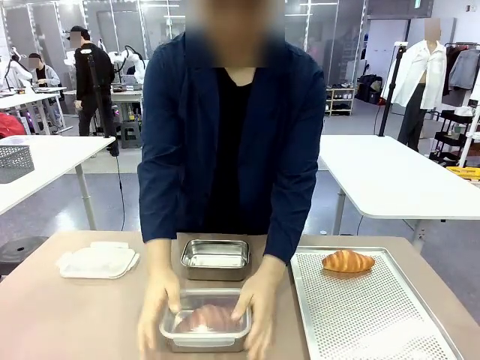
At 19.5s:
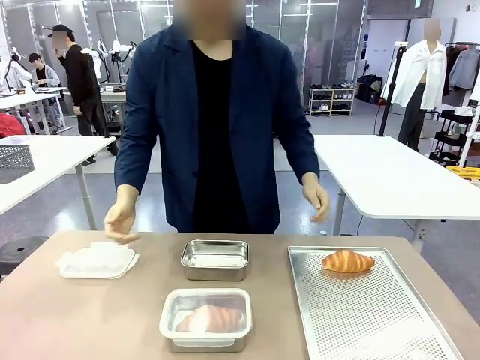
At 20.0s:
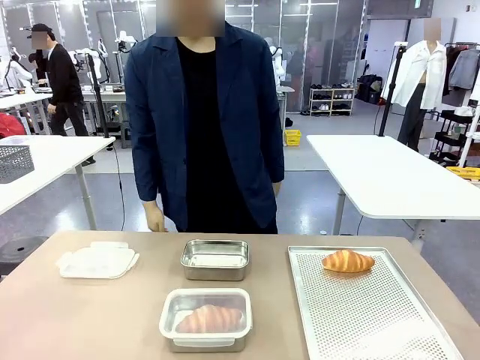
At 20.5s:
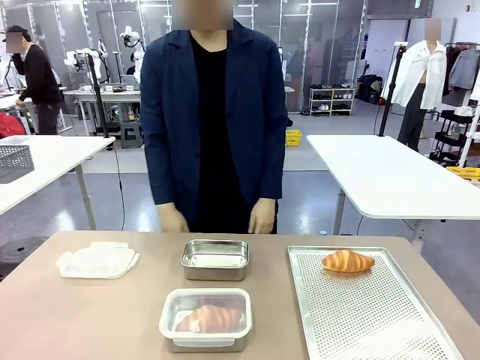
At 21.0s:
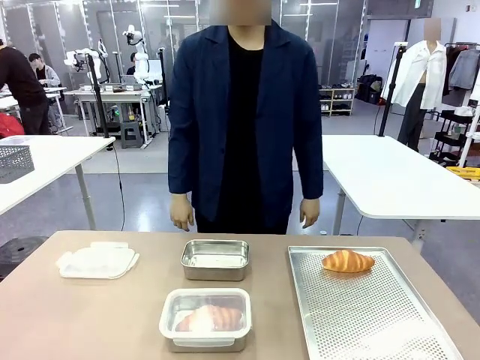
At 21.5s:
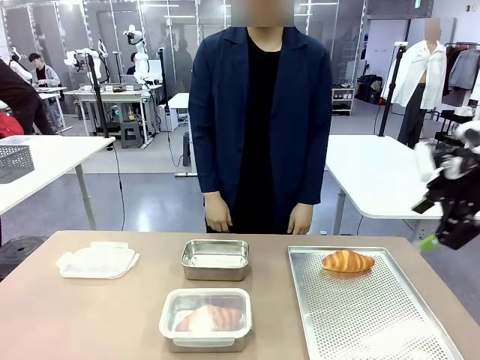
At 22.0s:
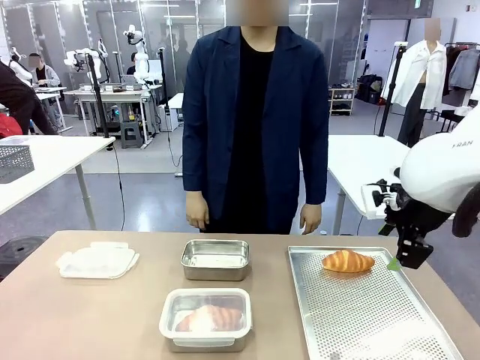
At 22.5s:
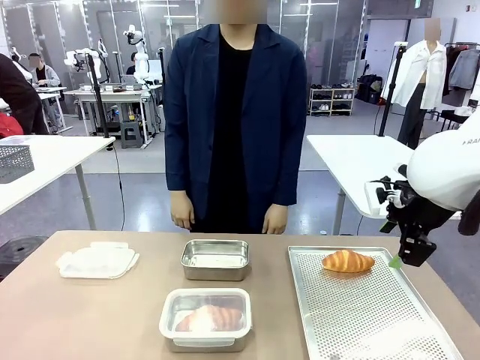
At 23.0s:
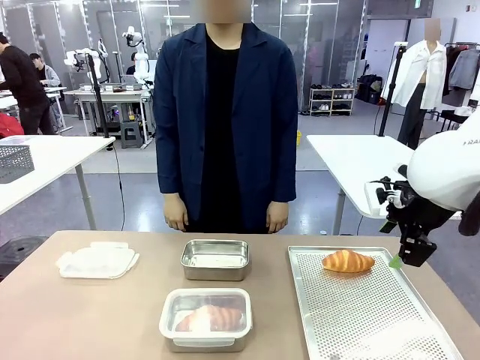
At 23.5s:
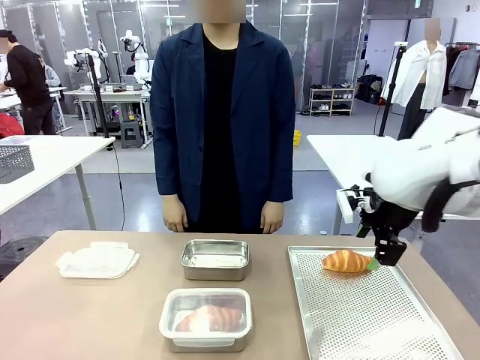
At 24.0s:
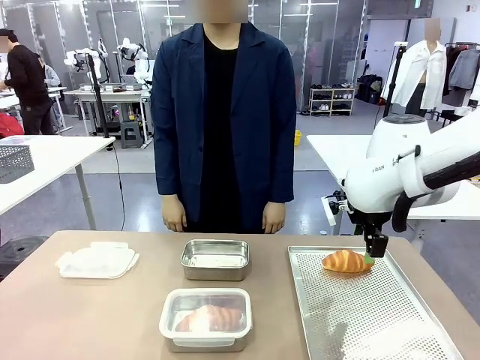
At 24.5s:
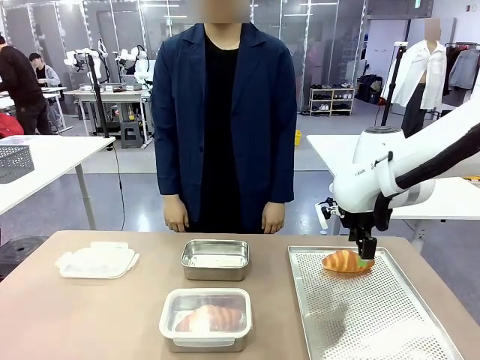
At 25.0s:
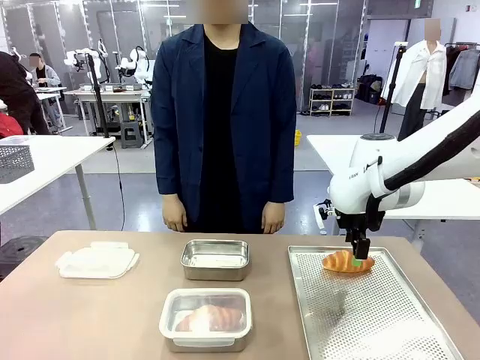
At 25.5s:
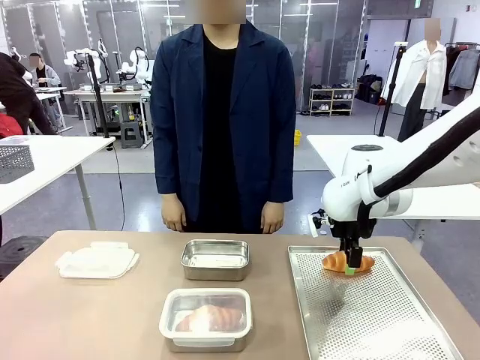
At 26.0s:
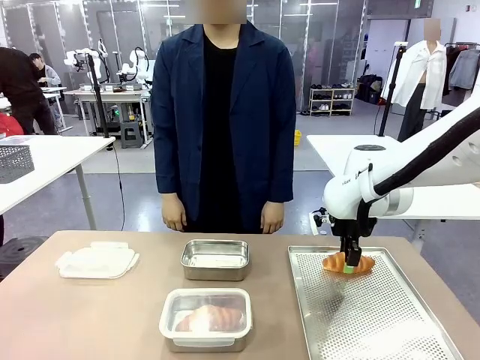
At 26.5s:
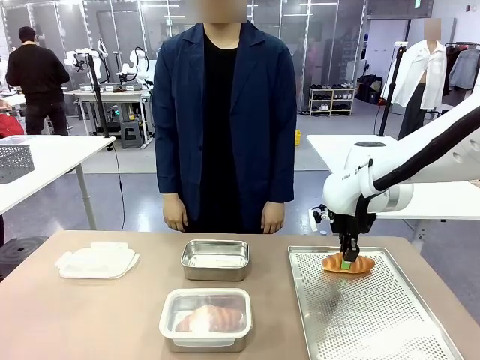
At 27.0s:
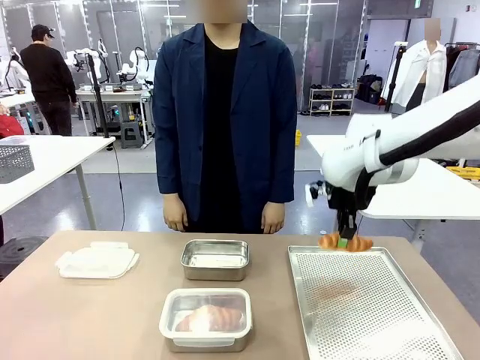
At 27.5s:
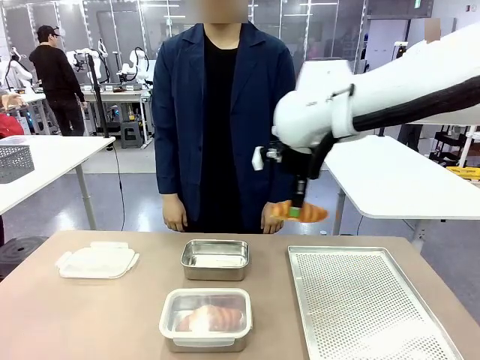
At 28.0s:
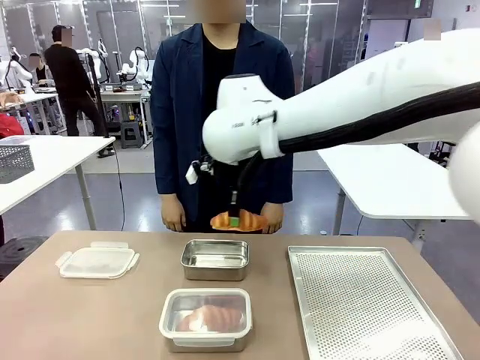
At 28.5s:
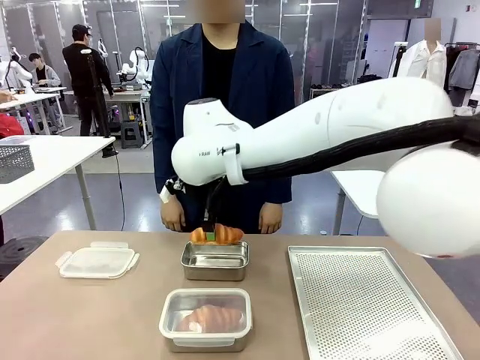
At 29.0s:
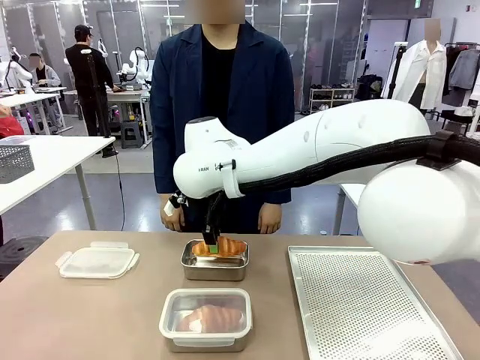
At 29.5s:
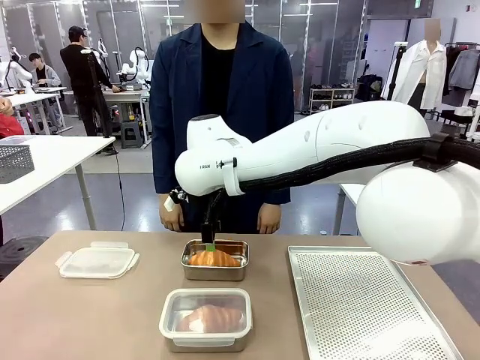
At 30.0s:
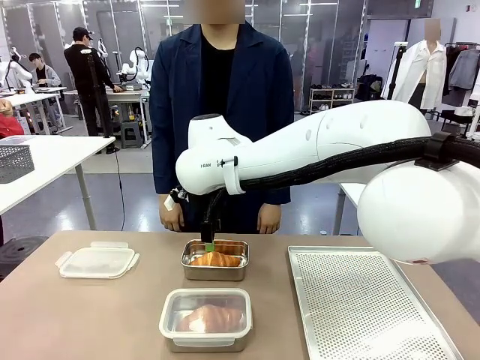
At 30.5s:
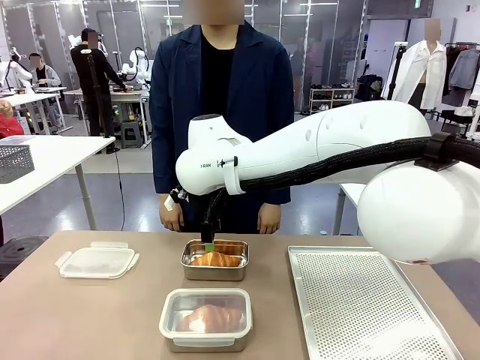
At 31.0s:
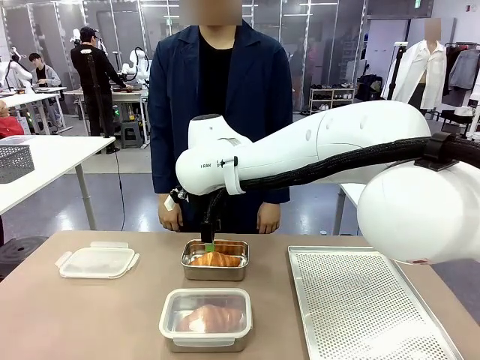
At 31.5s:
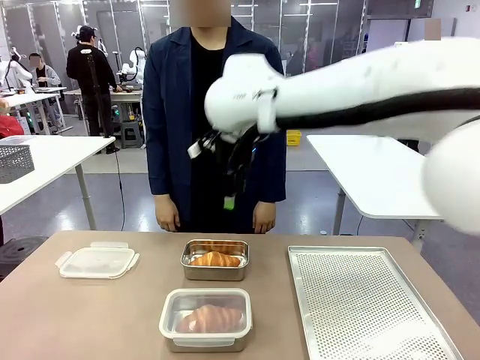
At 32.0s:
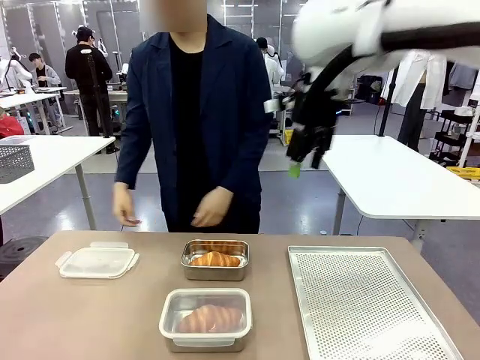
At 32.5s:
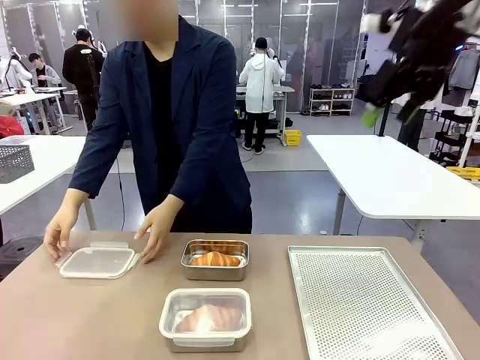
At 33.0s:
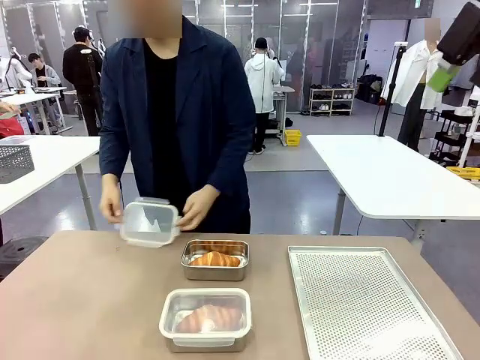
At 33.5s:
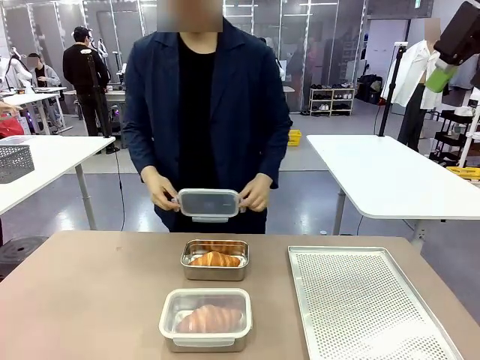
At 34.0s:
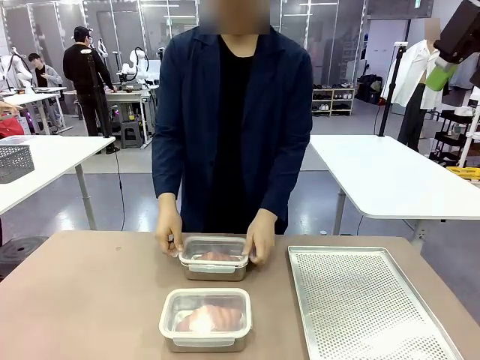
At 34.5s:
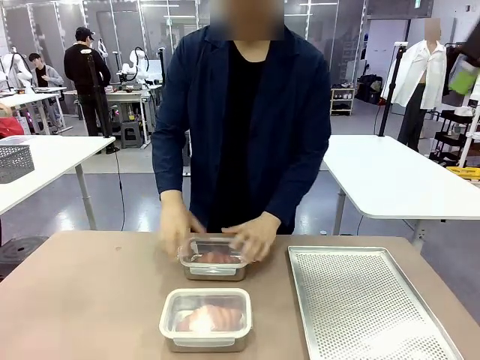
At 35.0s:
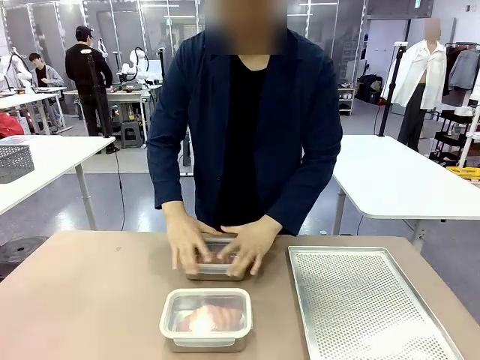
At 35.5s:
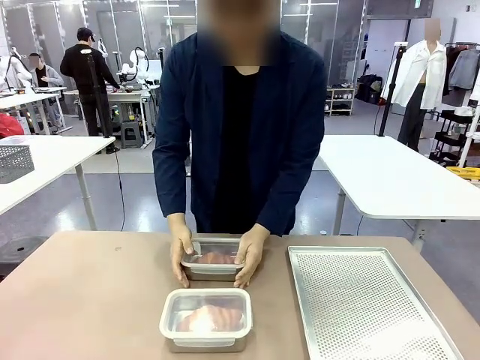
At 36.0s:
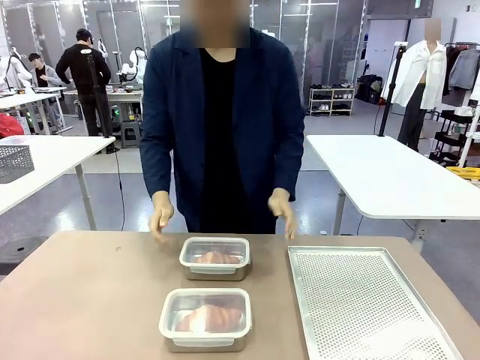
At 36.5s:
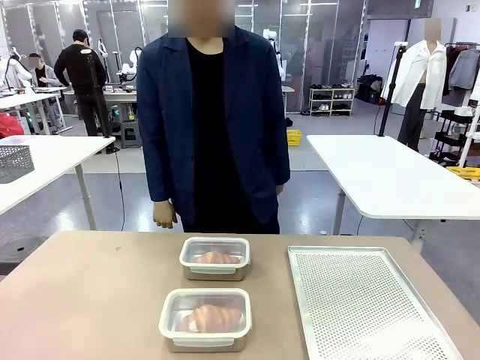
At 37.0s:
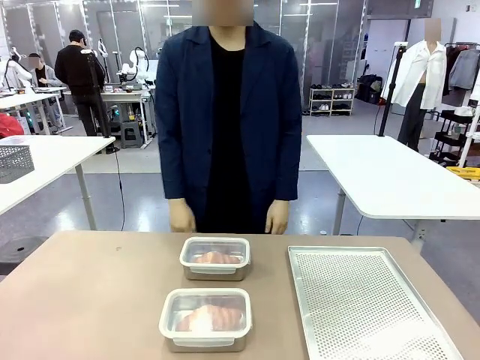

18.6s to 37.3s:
Task: Place the bread into the airtight container.
Robot: Pick up a Butter Roll and place it into an empty Airtight Container.
Person: Once a Butter Roll is inside an Airtight Container , close the lid of that Airtight Container.

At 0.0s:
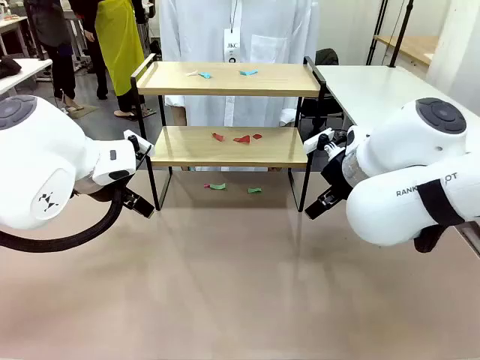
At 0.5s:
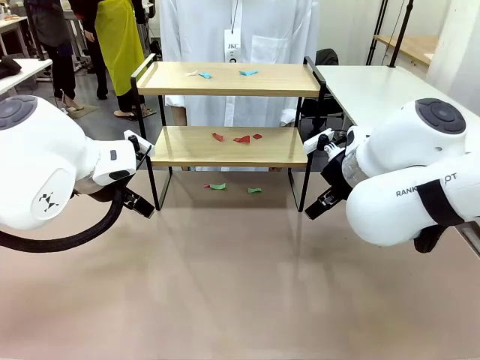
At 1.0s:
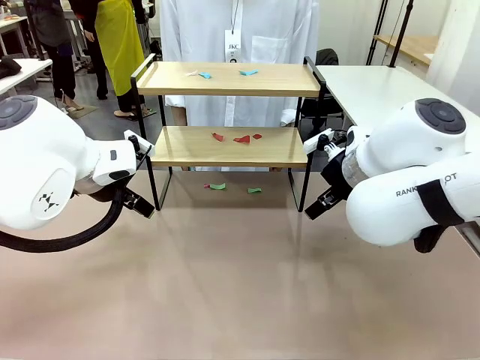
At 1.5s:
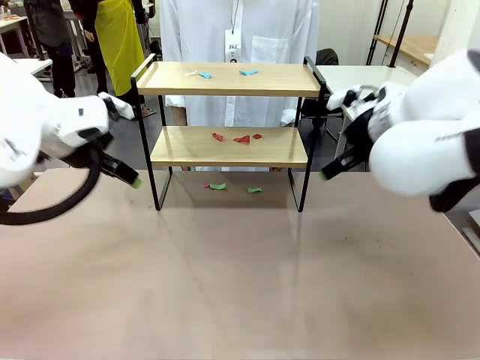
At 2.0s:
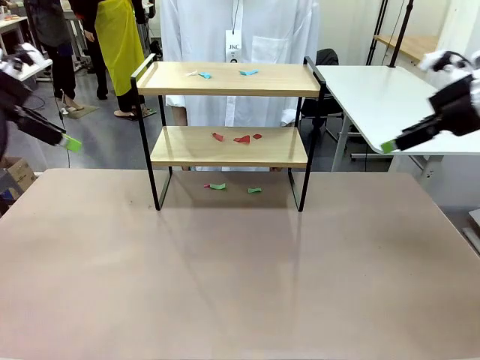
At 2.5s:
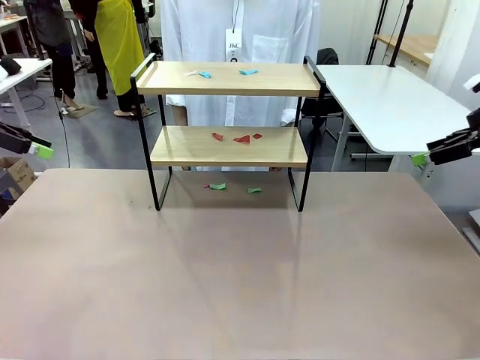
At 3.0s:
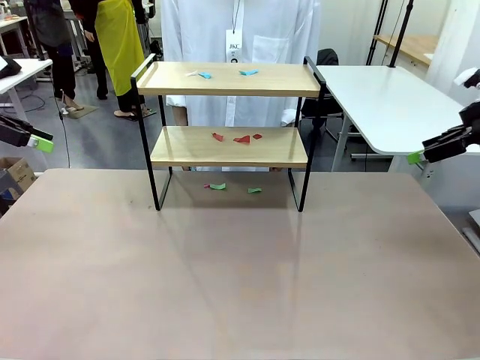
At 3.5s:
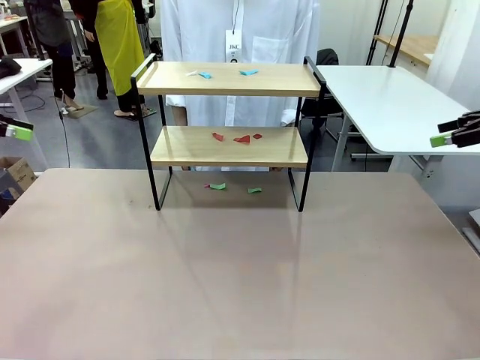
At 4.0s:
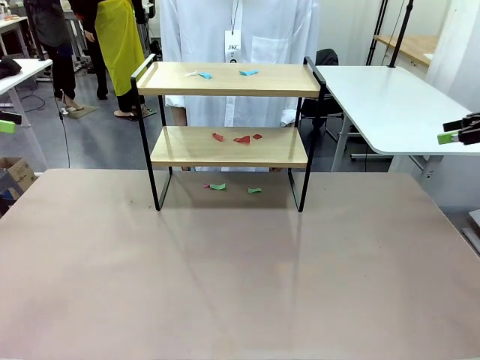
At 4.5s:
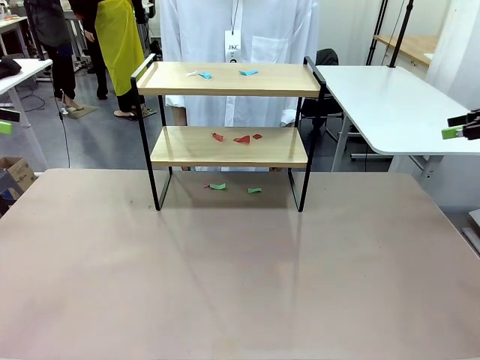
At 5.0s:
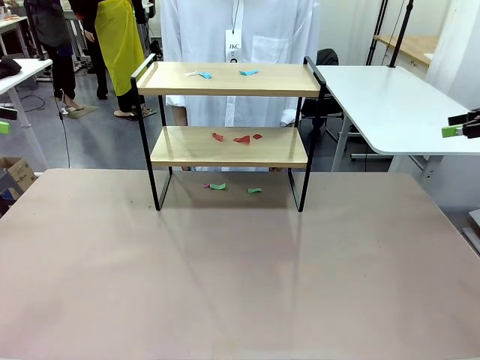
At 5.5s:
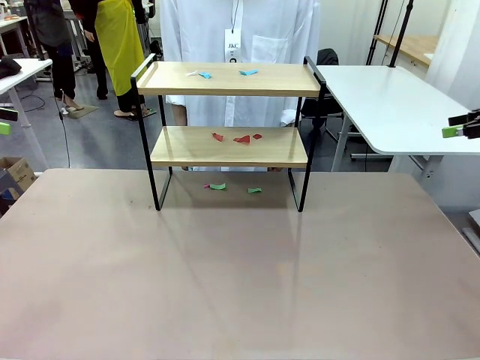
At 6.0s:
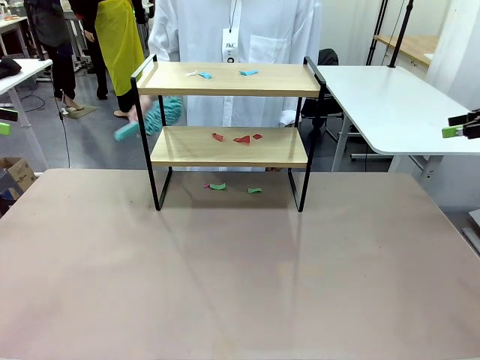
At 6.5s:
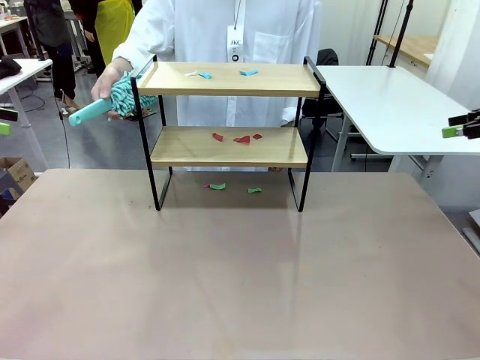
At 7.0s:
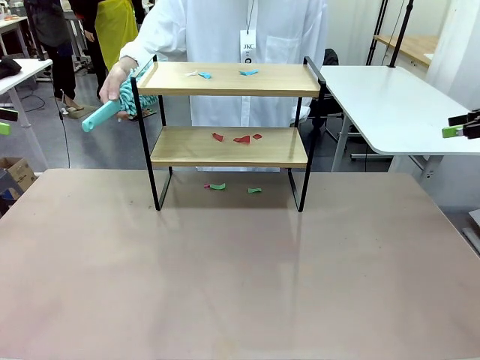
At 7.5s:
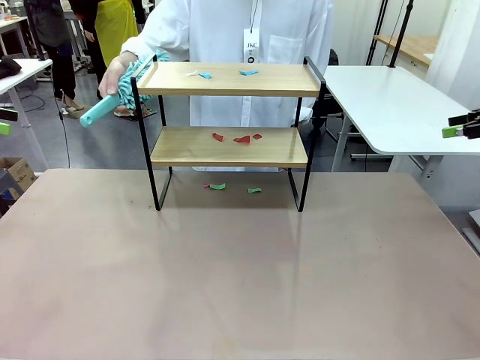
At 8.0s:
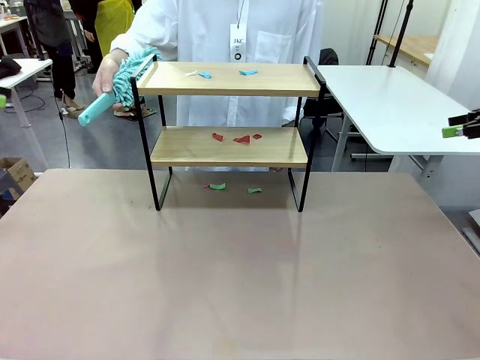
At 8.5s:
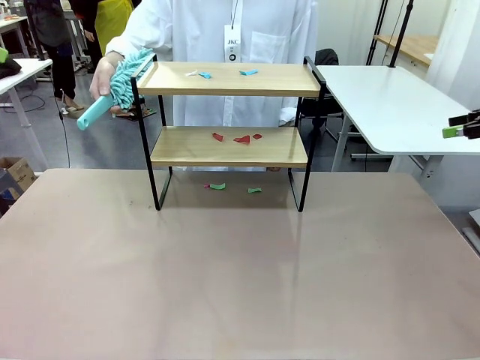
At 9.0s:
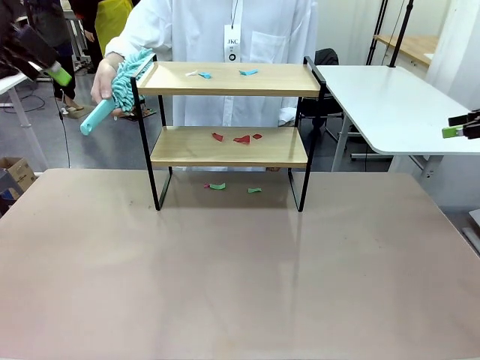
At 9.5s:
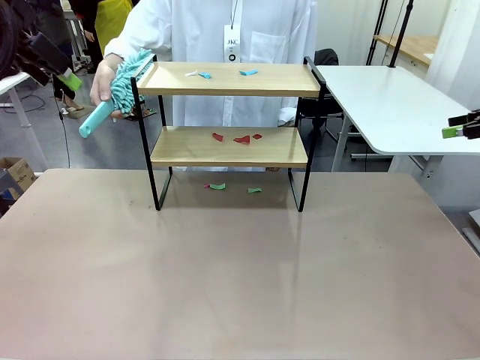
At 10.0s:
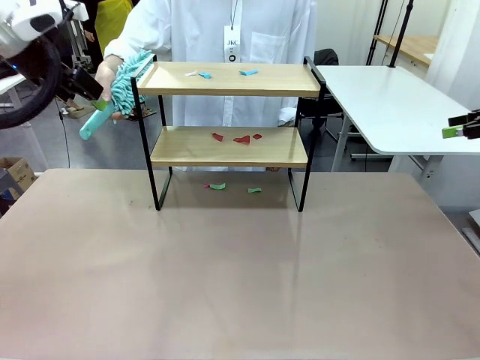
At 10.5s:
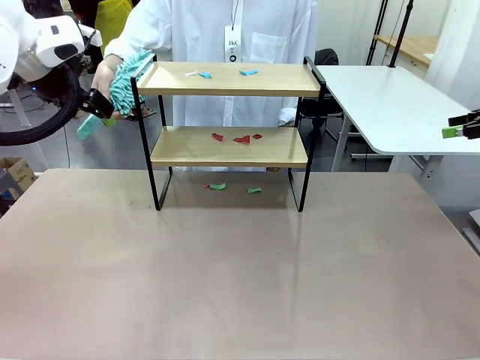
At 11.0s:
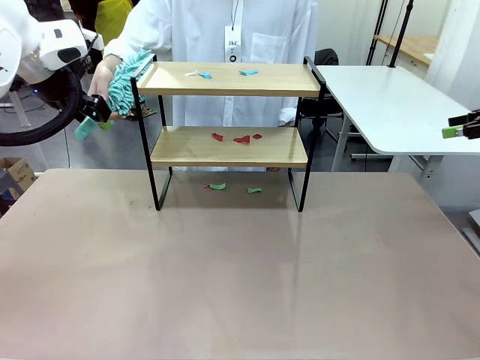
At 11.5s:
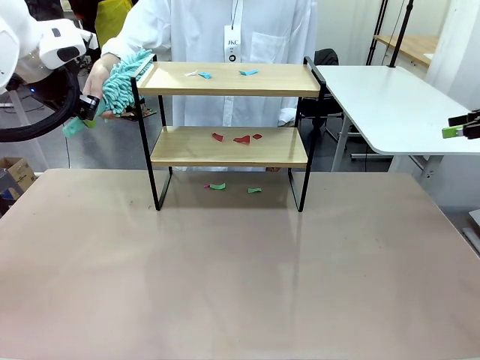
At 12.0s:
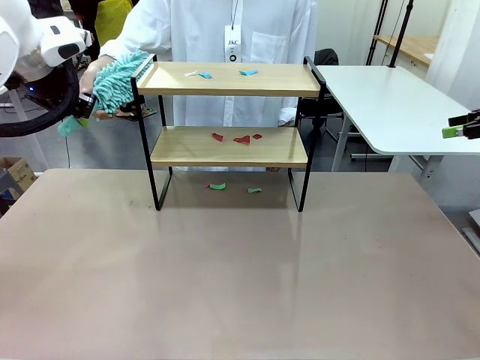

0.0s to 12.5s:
Task: Clean the shelf.
Robot: Pick up the Duster handed by the human.
Person: Hand the Duster to the robot.
